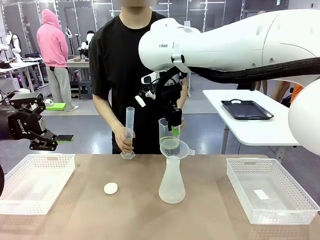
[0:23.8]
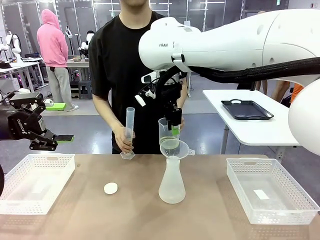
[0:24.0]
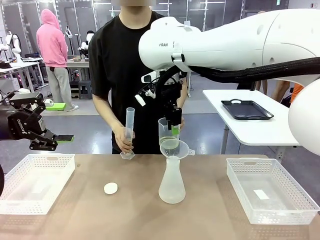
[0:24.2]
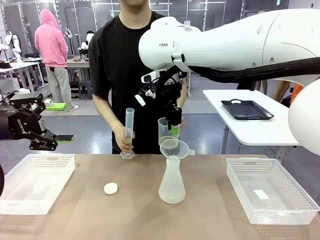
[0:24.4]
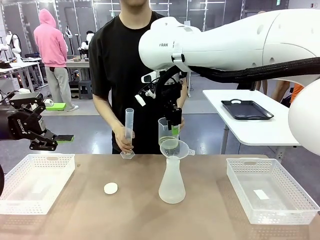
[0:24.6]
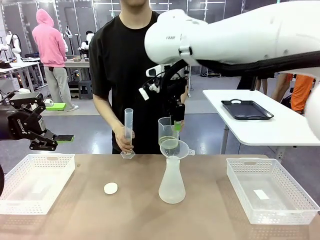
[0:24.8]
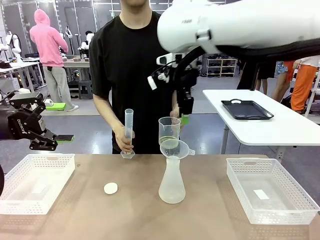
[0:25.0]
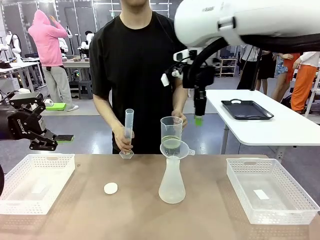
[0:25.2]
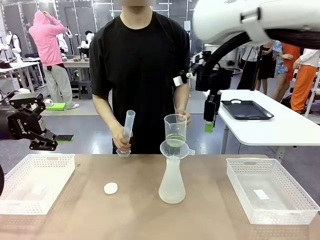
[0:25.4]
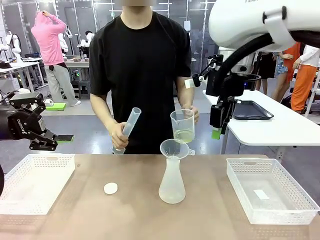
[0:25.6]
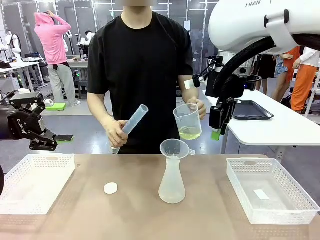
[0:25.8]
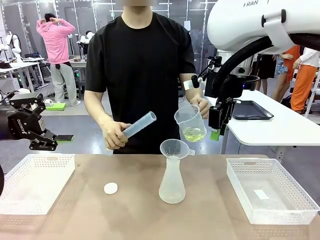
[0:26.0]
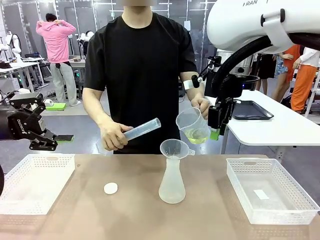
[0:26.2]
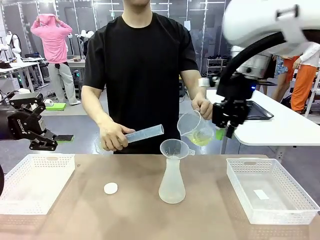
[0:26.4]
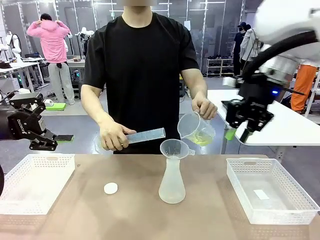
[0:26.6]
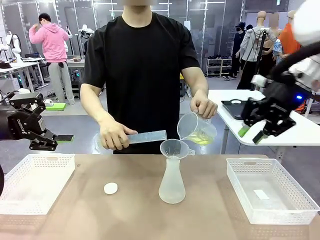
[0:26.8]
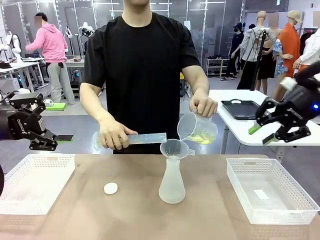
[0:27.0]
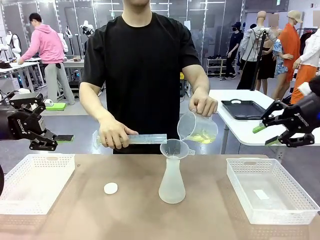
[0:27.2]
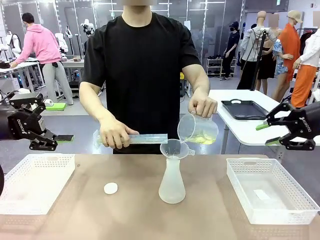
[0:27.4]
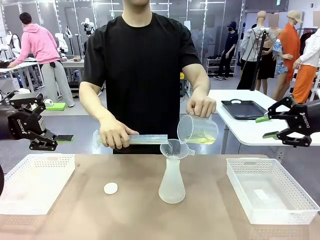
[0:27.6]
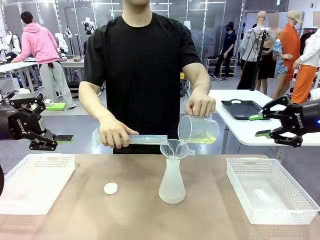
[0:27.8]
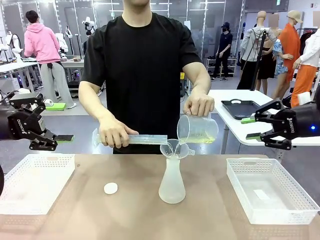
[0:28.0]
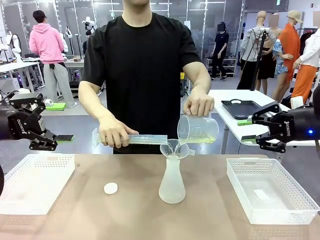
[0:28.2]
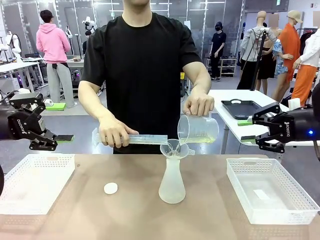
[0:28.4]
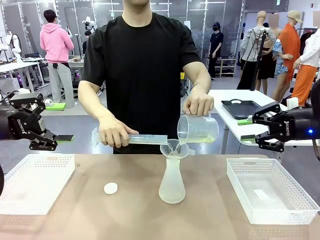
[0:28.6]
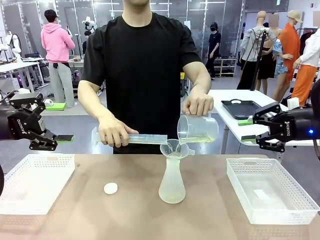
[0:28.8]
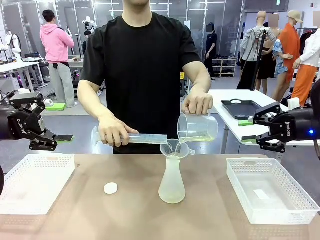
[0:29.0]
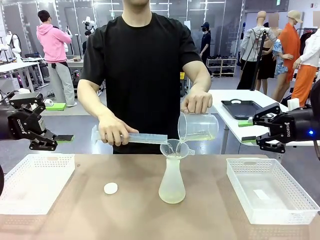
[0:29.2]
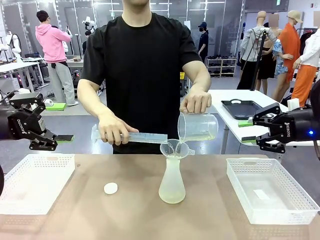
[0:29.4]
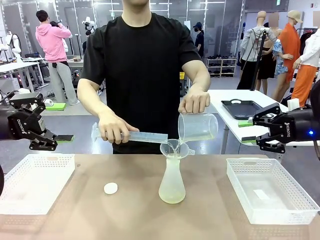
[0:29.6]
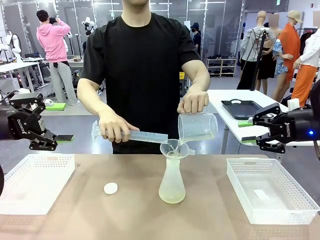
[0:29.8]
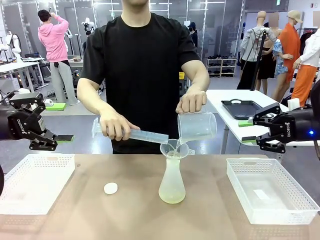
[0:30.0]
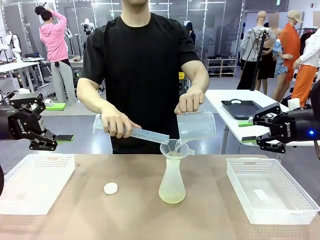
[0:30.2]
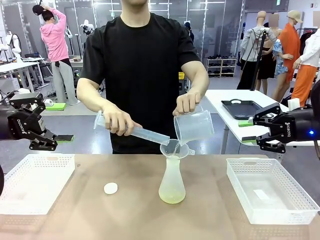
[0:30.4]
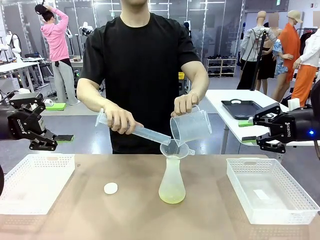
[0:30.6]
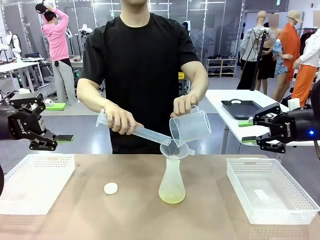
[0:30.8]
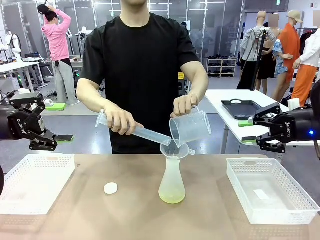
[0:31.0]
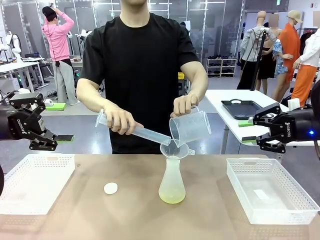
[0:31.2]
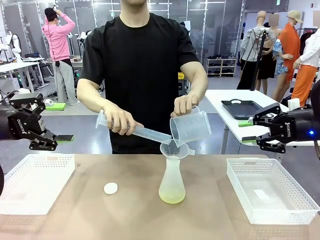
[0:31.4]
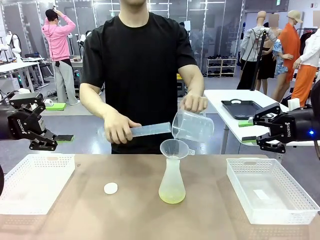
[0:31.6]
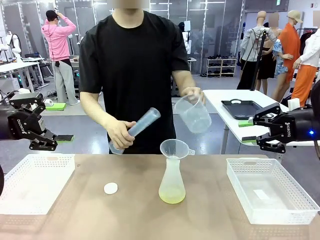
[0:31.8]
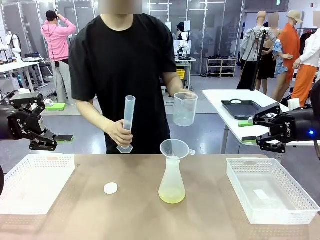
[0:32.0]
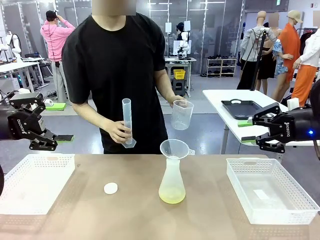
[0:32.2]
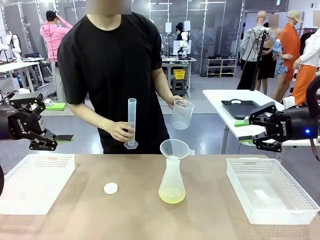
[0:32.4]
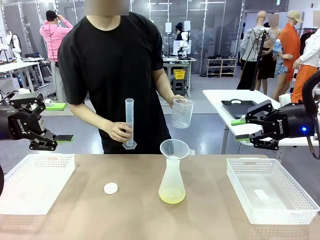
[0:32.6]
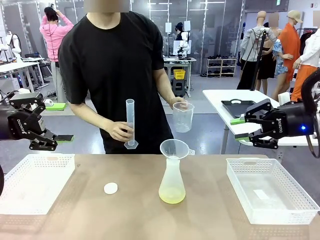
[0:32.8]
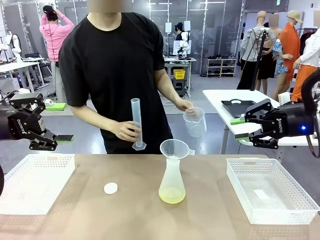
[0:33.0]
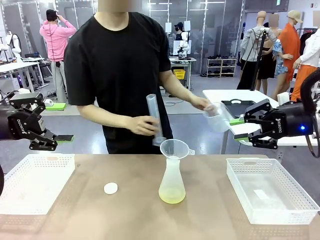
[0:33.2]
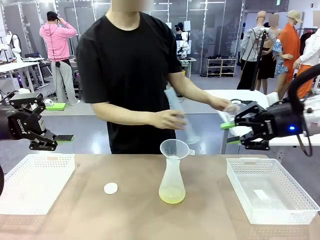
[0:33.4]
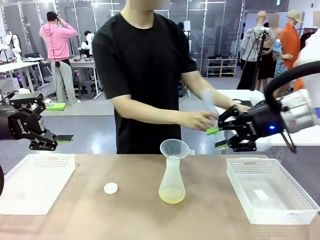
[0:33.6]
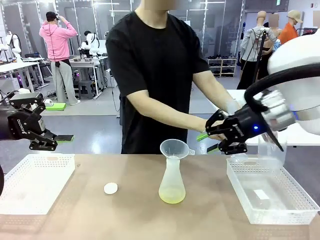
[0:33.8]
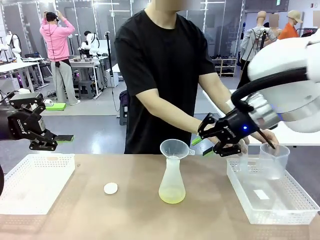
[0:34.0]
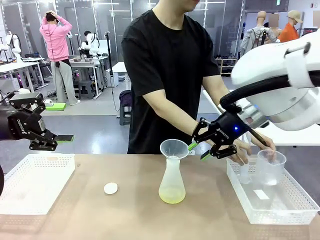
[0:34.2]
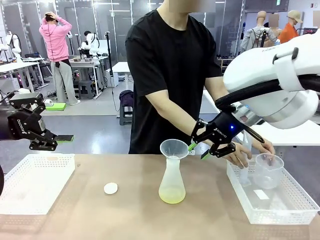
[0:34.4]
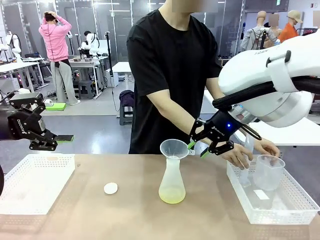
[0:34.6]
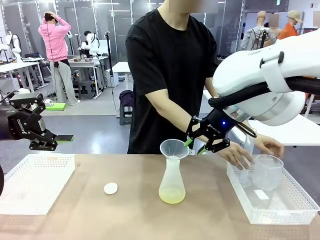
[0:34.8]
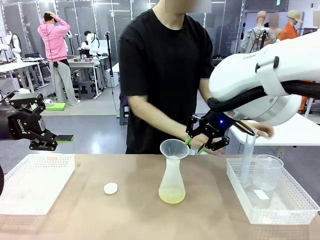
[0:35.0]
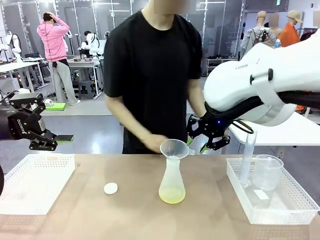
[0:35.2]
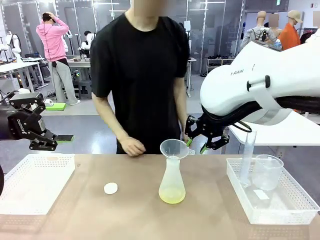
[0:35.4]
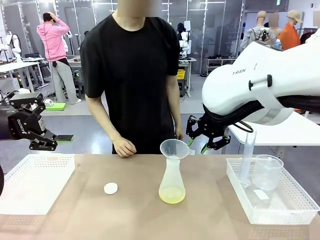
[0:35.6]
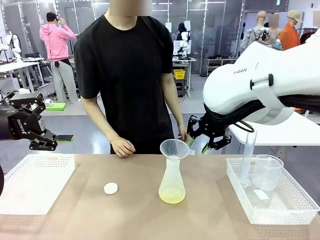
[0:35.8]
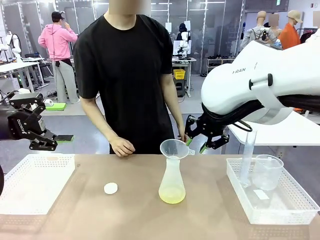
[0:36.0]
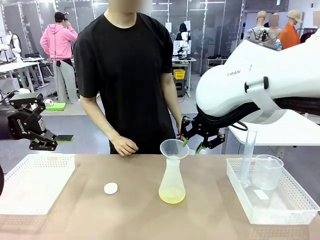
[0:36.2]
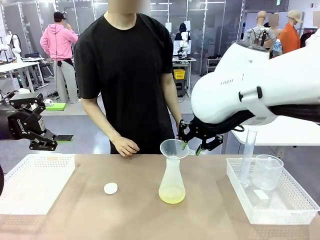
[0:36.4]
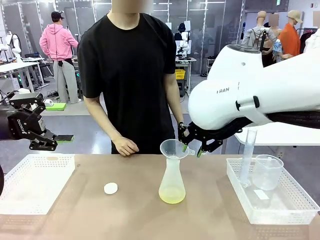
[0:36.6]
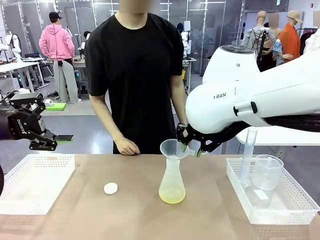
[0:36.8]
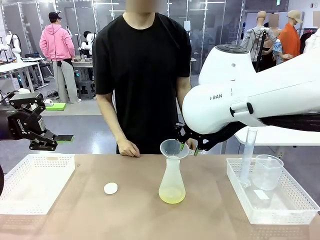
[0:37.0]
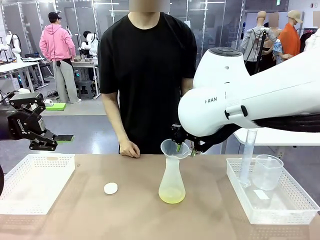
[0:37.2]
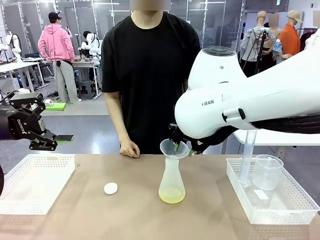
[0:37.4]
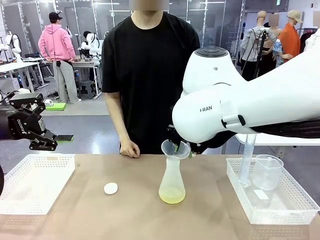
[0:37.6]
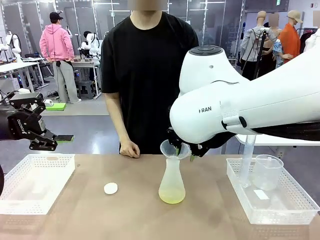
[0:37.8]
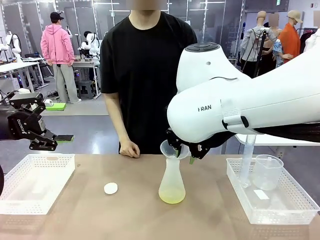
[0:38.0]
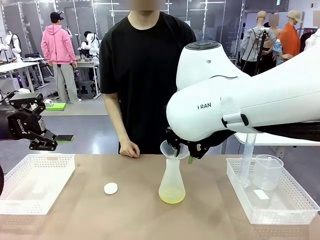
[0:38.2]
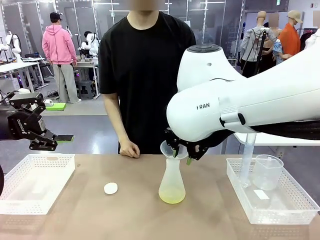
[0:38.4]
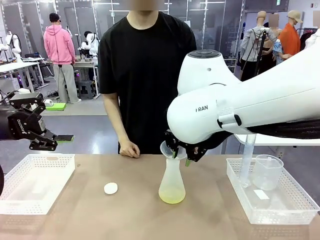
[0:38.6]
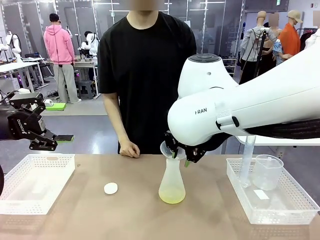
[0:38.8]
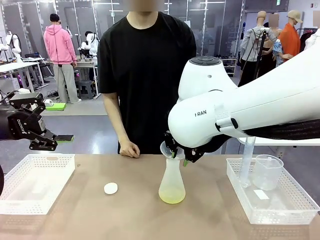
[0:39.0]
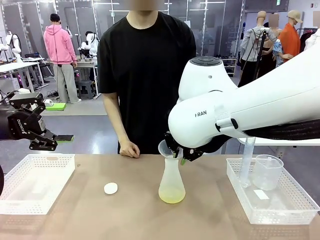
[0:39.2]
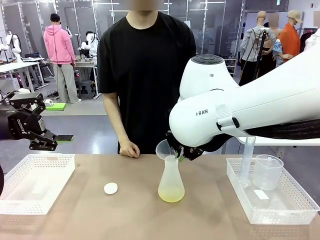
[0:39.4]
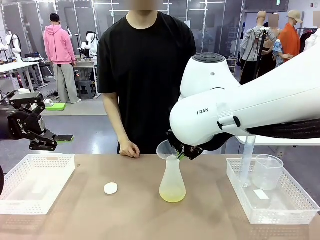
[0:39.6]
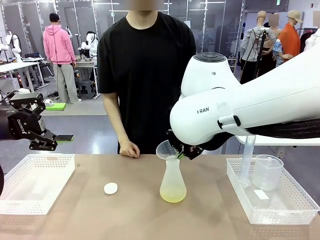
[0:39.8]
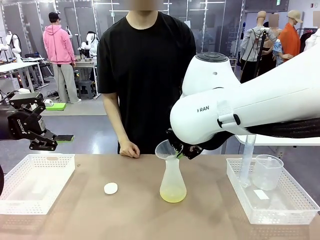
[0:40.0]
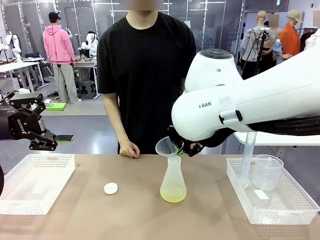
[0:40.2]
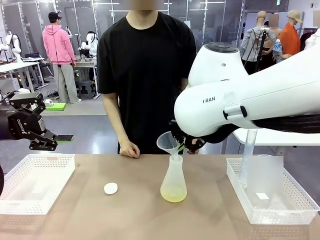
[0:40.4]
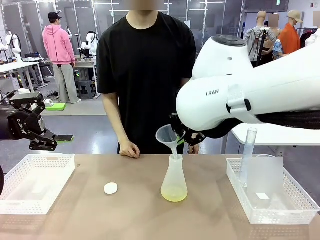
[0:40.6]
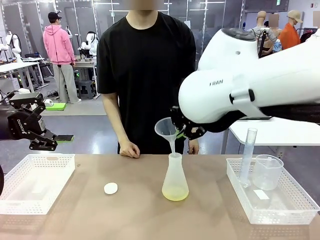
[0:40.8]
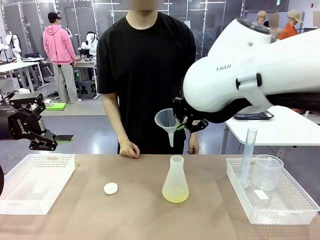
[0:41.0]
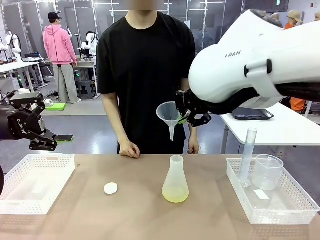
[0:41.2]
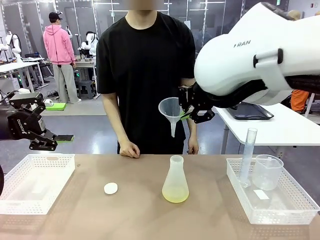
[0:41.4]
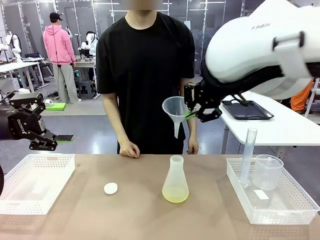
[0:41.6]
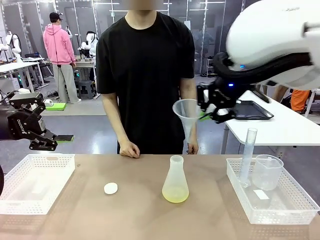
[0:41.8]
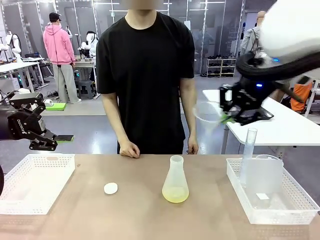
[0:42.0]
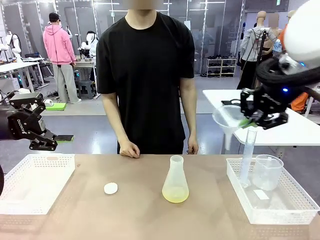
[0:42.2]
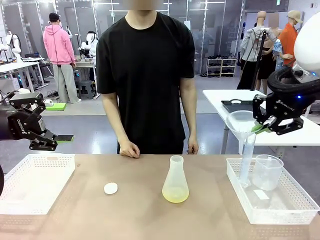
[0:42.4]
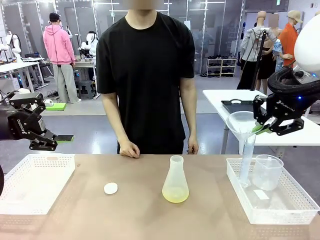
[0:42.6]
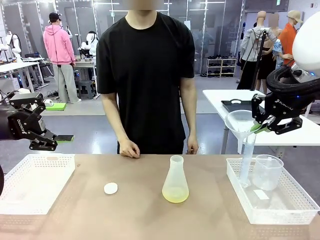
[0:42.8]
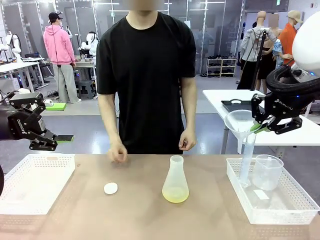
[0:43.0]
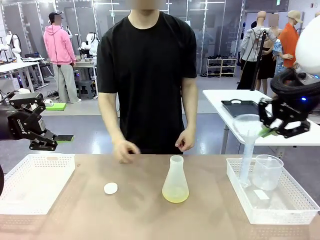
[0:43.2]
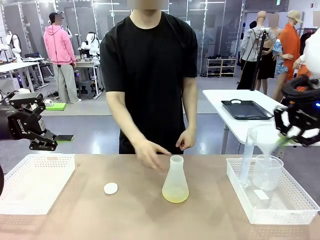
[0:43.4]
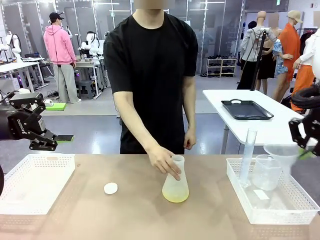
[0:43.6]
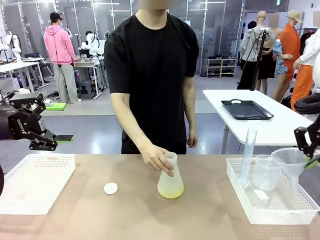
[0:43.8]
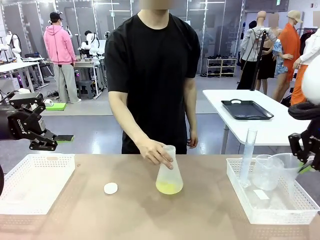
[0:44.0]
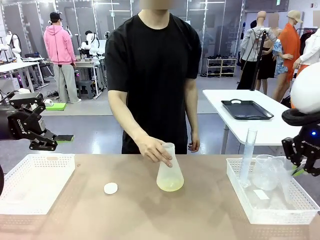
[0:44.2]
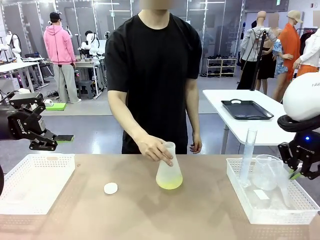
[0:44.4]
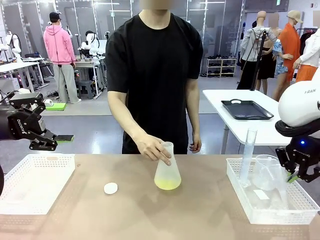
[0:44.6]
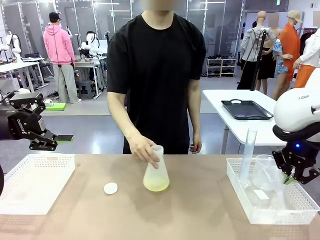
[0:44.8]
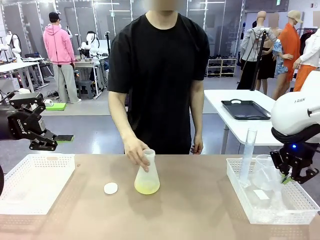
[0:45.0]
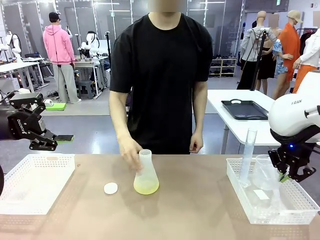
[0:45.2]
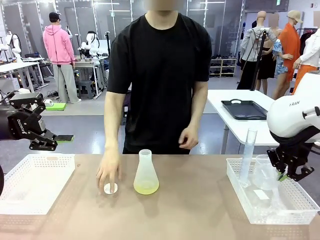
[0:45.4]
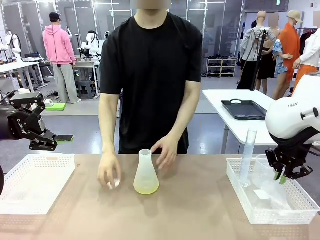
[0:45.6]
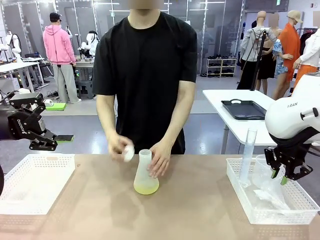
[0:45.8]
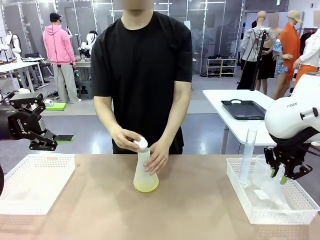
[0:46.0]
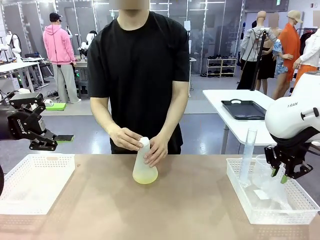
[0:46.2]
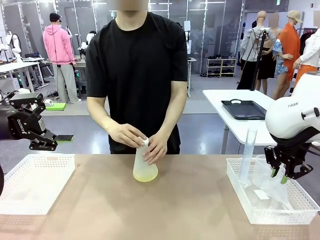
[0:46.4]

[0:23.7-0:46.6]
Task: Prepare the solutions needed for the experiment.
Robot: Once the solution is in the Big flask , pick up the Plastic Funnel and place it back into the right Organizing basket.
Person: Place the beaker and the cylinder into the organizing basket on the left side. Pick up the flask, gently shake it 2–3 times, place it in the middle of the robot table, and close the lid.
